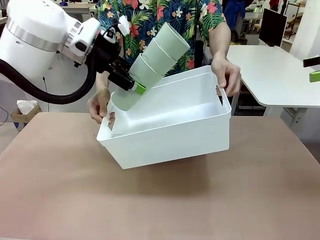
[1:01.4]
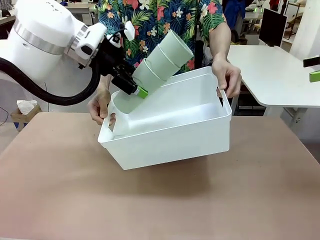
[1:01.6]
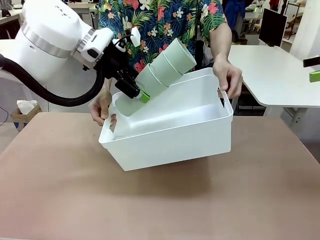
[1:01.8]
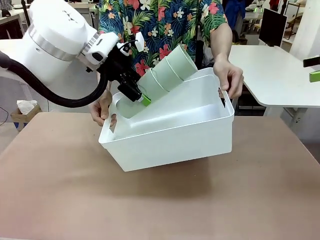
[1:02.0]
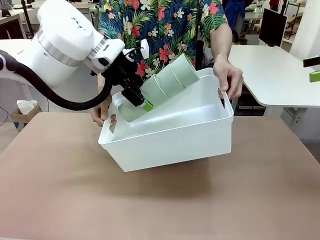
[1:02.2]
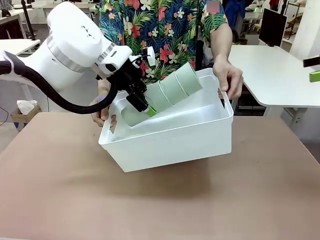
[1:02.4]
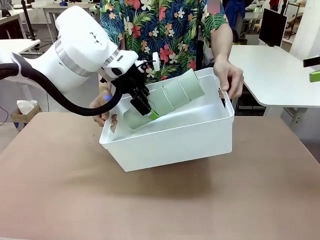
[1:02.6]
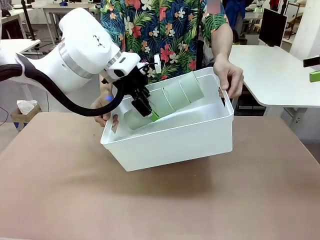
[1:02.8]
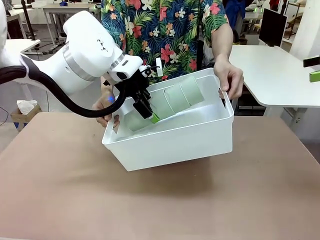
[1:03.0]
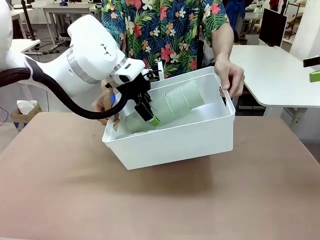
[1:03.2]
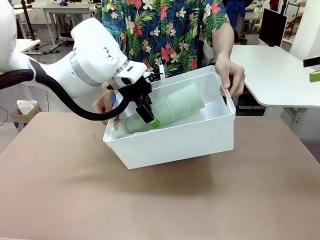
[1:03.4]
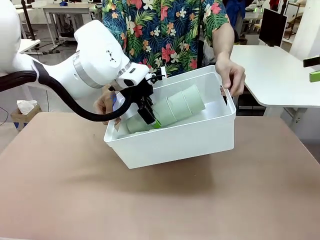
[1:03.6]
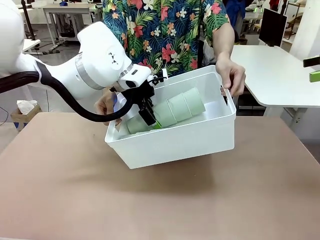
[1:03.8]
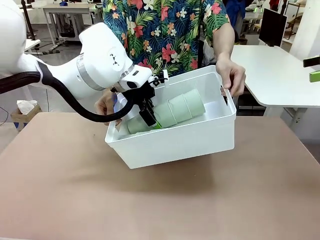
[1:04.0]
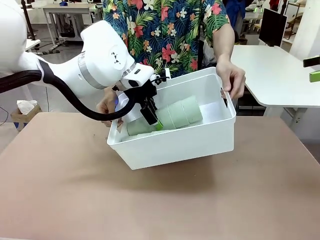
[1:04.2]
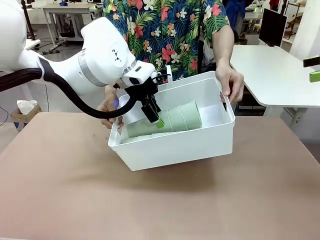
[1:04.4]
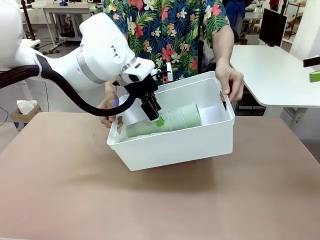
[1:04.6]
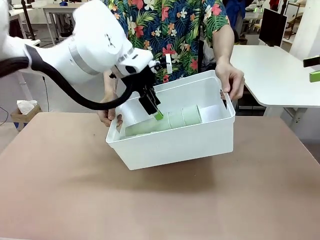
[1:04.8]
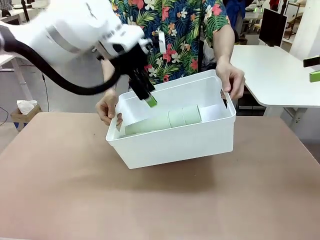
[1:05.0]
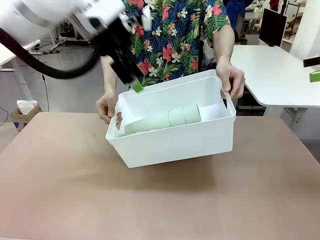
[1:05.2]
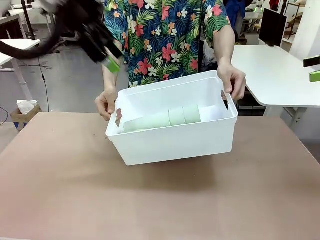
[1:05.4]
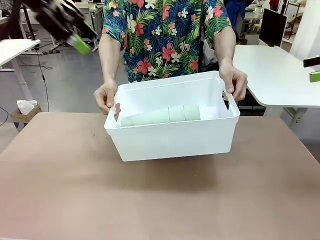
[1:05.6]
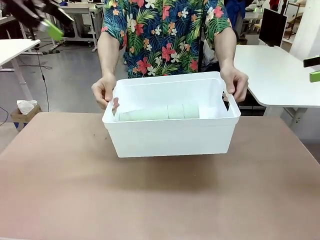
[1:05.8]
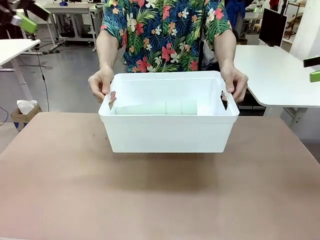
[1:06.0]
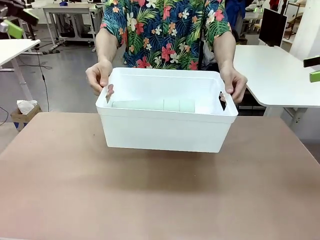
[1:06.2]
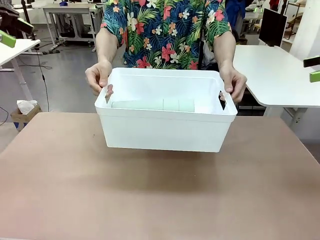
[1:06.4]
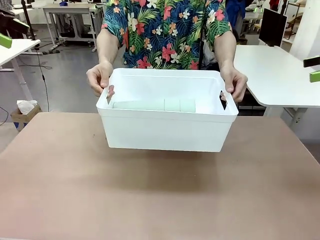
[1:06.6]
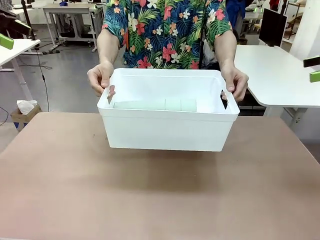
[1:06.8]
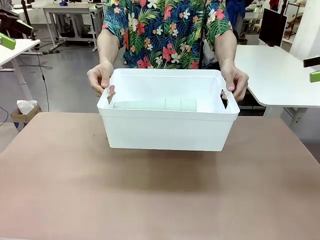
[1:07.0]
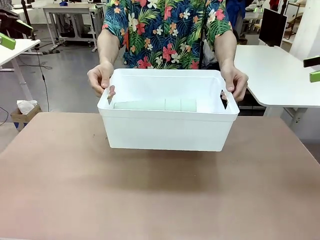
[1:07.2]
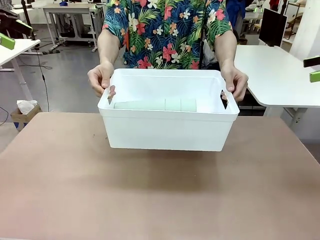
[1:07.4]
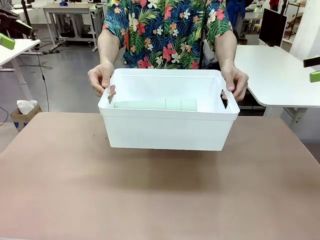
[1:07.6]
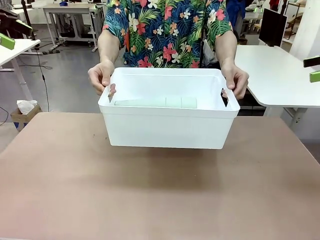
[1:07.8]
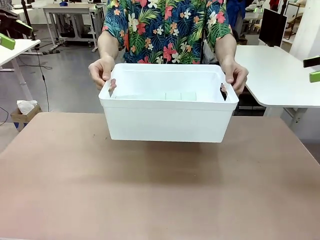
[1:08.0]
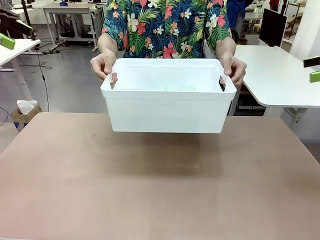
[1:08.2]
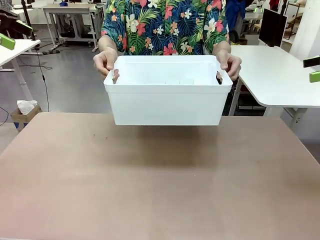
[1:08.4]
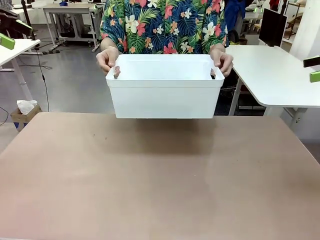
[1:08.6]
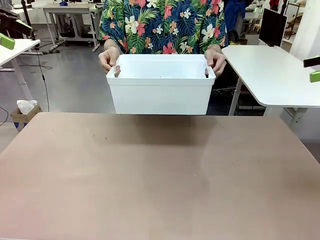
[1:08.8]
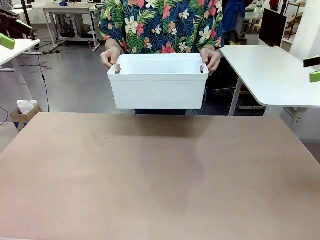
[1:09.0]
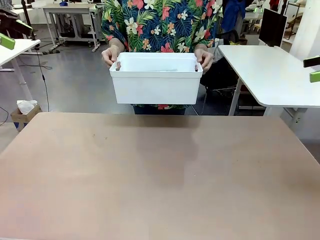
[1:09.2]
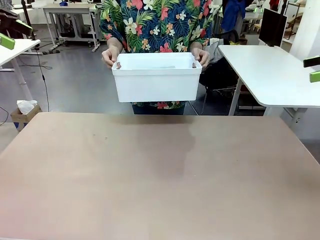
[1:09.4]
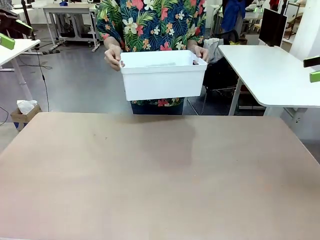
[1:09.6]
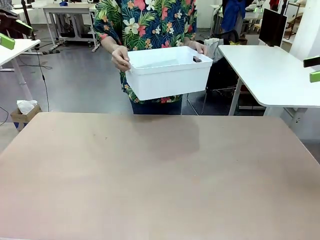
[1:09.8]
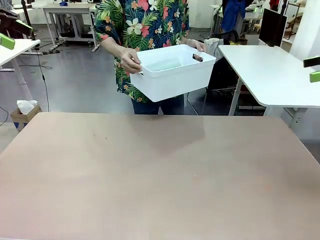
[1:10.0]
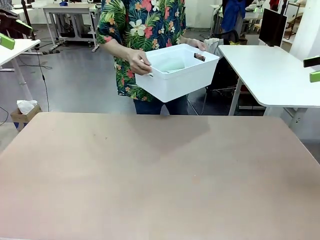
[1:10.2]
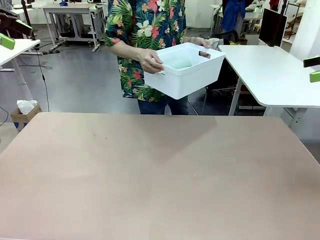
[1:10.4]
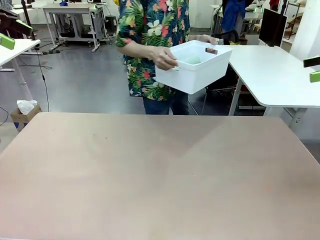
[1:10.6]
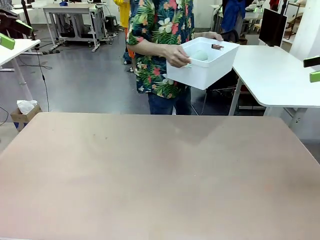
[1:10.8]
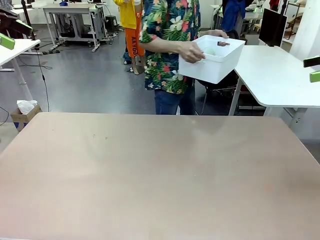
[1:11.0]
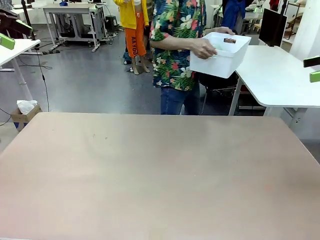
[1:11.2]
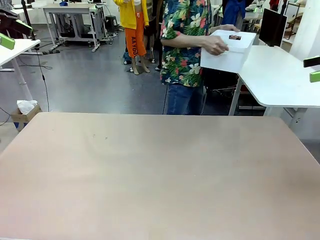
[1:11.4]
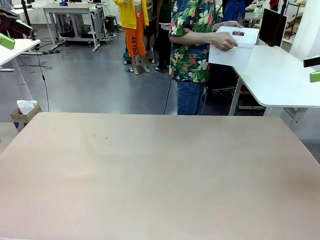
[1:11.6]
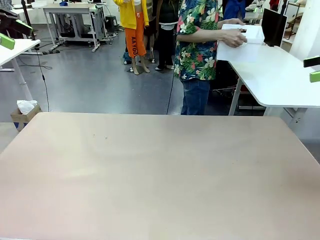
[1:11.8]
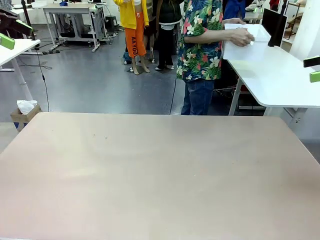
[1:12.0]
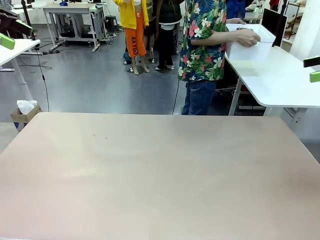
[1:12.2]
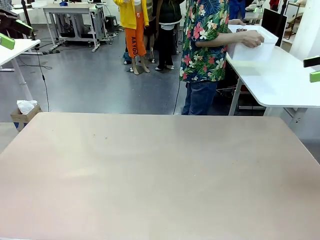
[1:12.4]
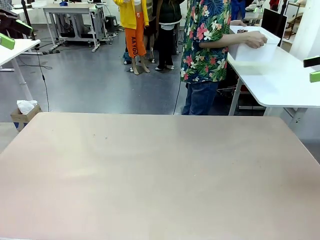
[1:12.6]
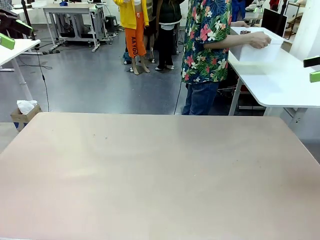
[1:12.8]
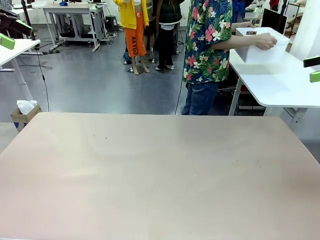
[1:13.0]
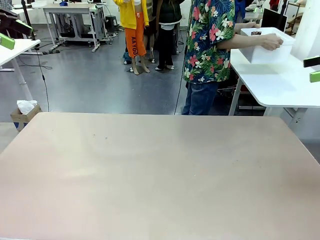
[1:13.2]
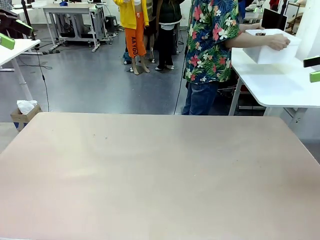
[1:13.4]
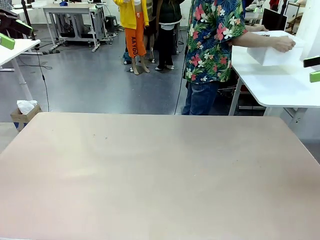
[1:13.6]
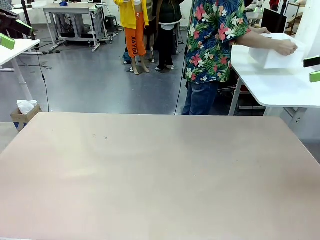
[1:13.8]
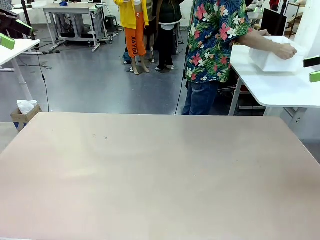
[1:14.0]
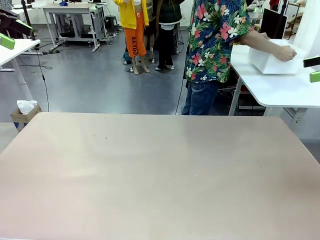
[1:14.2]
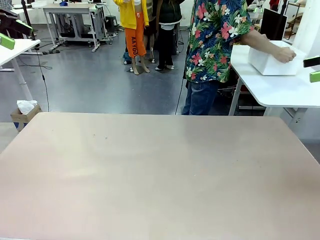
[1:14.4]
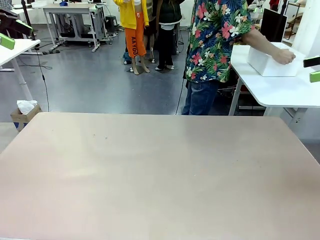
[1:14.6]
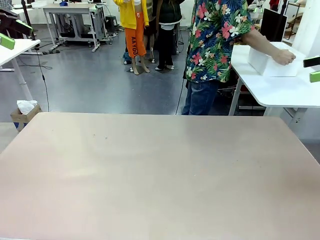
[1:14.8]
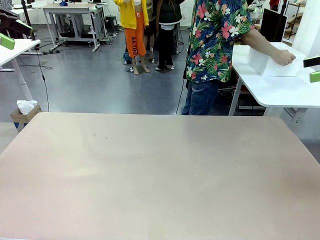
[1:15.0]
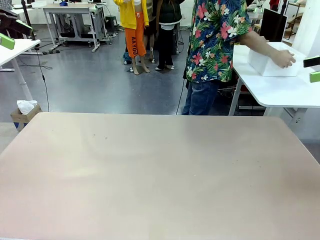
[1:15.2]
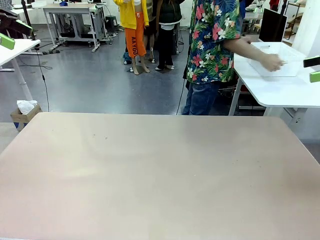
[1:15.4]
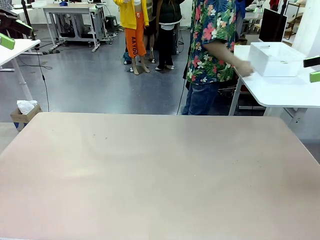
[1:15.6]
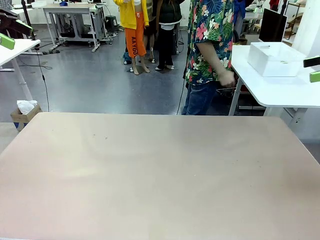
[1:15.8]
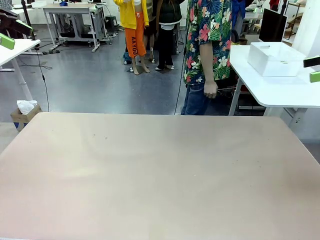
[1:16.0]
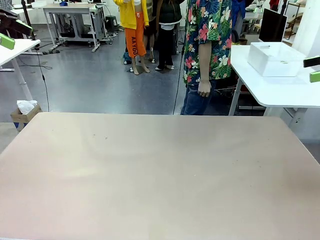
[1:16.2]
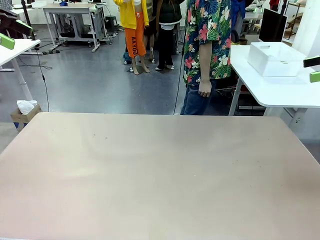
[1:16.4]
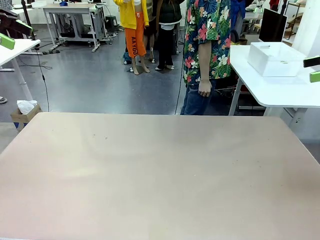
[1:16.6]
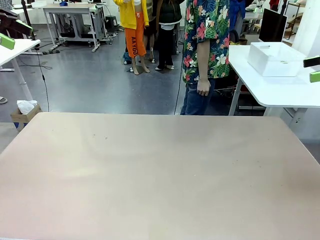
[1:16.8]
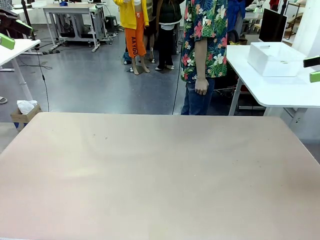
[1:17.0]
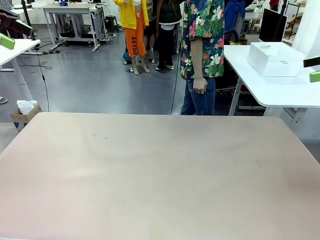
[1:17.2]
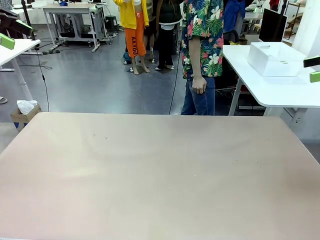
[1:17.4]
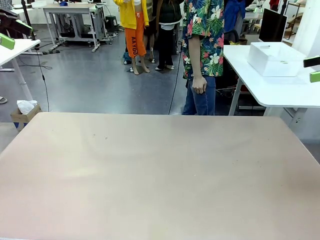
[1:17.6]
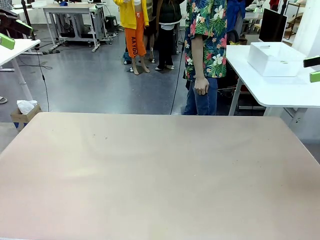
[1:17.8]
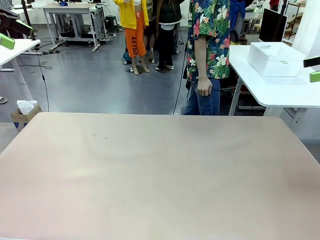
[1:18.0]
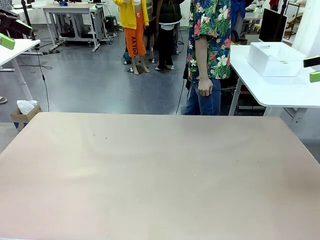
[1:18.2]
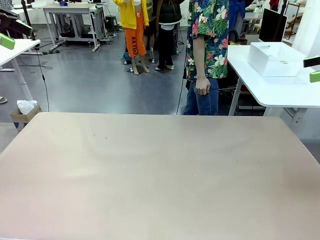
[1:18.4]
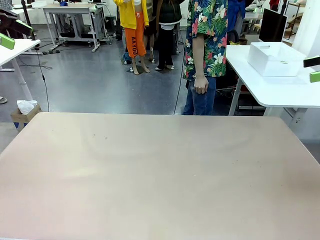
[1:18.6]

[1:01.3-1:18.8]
Task: Stack the cups and store them in the basket.
Robot: Place the stack of Reusable plastic cups into the Pantry Basket.
Person: Place the basket containing the cups in the middle of the Human Table.
